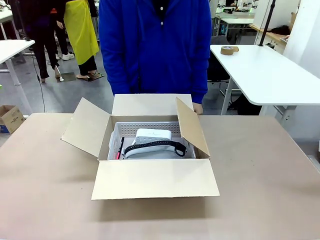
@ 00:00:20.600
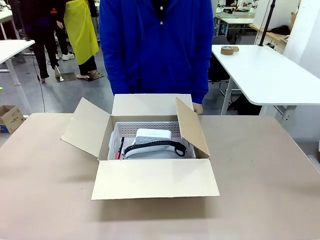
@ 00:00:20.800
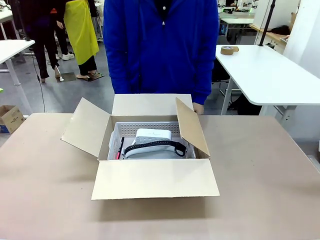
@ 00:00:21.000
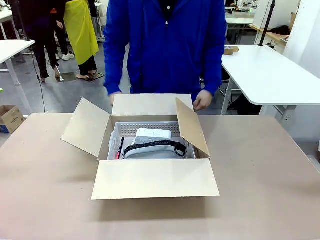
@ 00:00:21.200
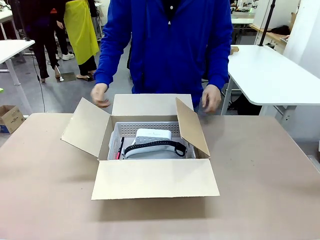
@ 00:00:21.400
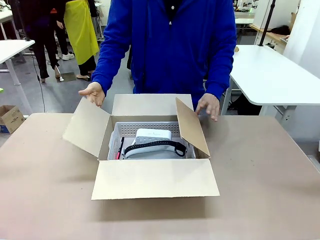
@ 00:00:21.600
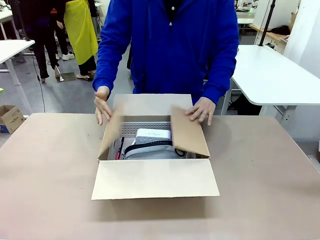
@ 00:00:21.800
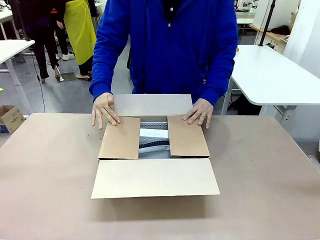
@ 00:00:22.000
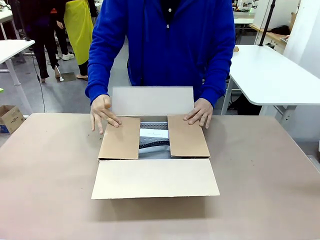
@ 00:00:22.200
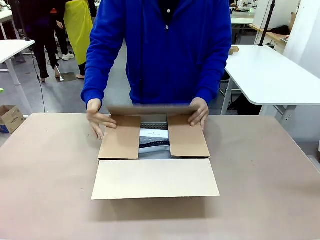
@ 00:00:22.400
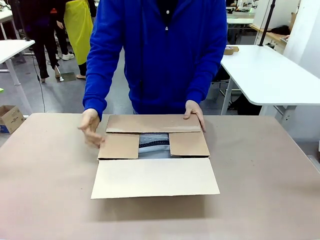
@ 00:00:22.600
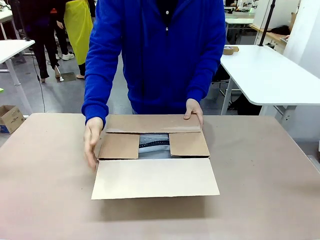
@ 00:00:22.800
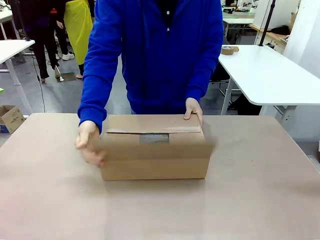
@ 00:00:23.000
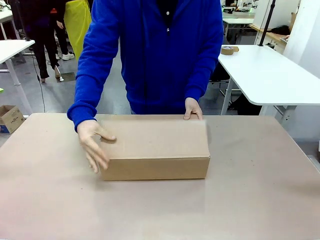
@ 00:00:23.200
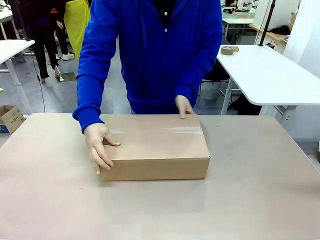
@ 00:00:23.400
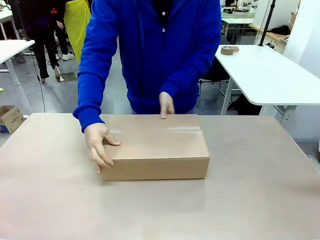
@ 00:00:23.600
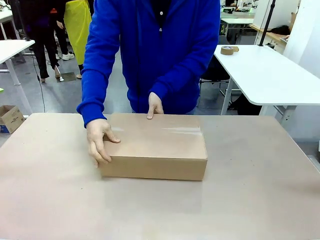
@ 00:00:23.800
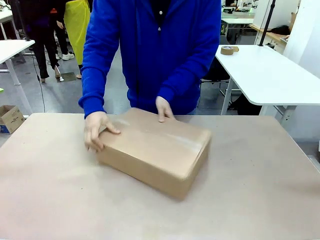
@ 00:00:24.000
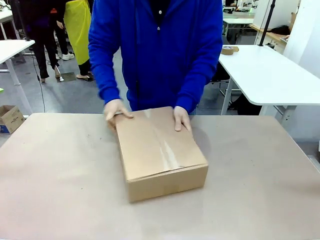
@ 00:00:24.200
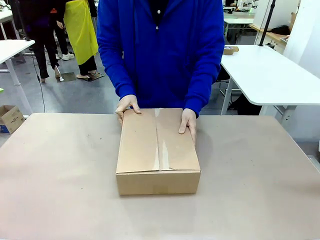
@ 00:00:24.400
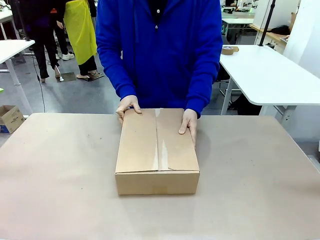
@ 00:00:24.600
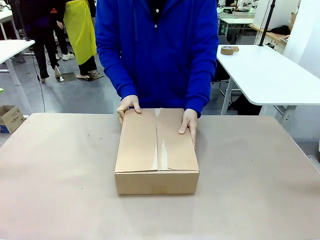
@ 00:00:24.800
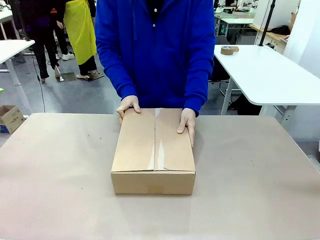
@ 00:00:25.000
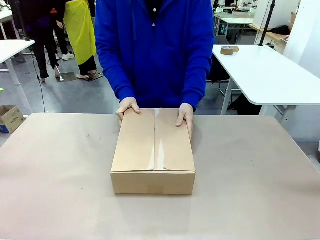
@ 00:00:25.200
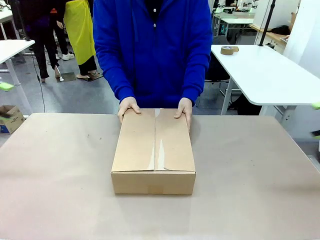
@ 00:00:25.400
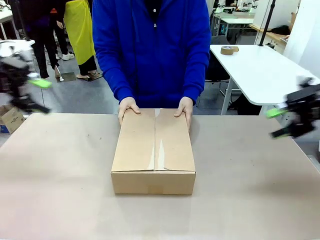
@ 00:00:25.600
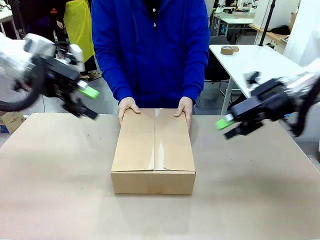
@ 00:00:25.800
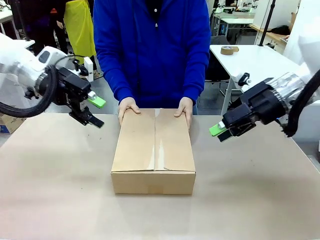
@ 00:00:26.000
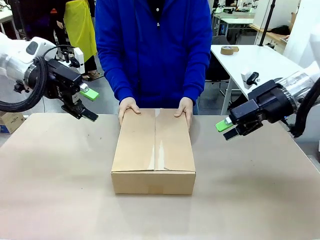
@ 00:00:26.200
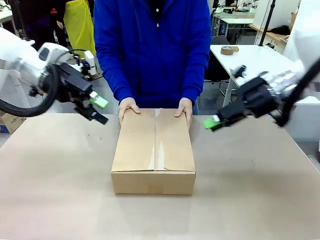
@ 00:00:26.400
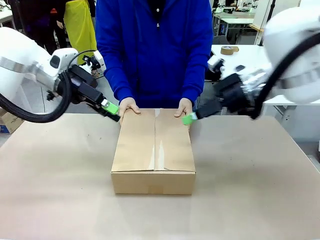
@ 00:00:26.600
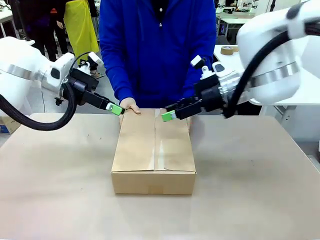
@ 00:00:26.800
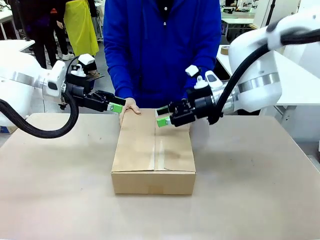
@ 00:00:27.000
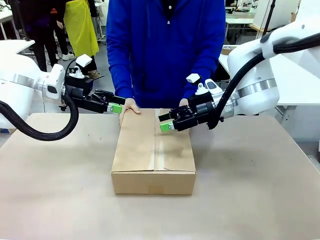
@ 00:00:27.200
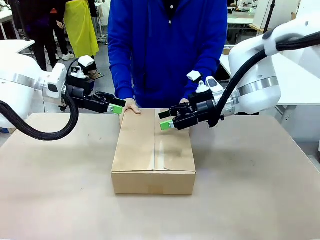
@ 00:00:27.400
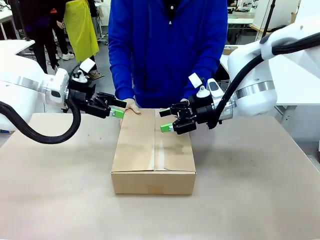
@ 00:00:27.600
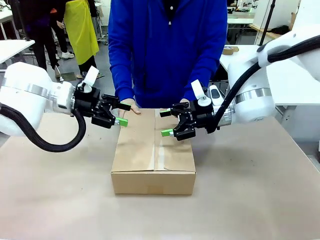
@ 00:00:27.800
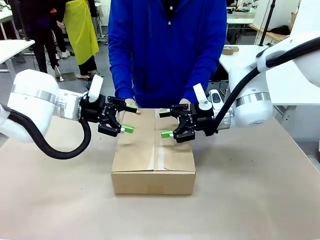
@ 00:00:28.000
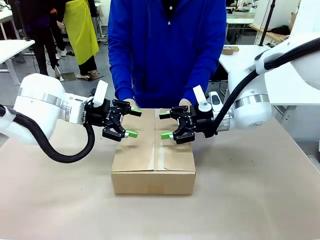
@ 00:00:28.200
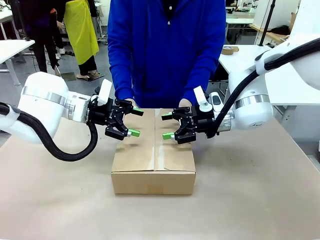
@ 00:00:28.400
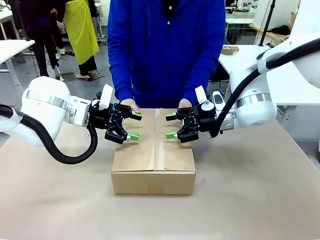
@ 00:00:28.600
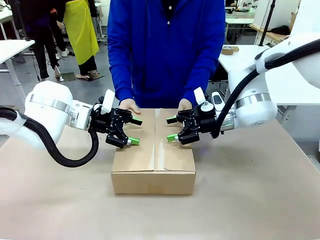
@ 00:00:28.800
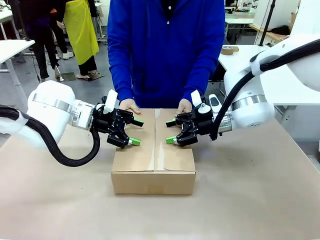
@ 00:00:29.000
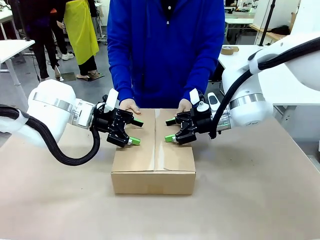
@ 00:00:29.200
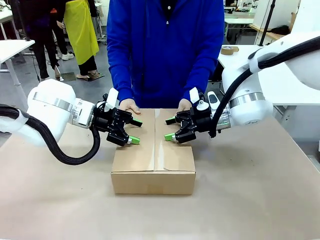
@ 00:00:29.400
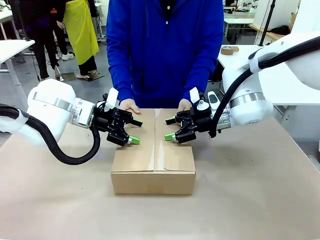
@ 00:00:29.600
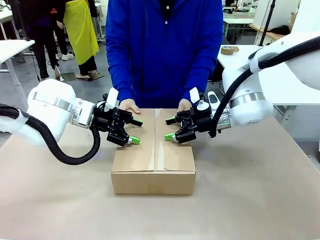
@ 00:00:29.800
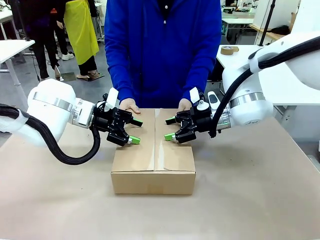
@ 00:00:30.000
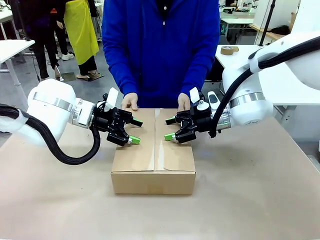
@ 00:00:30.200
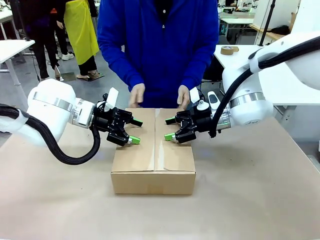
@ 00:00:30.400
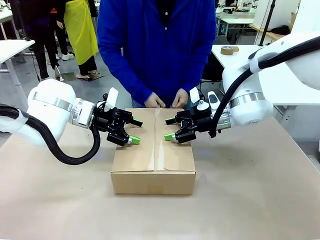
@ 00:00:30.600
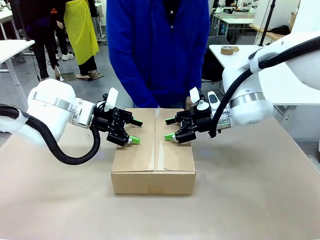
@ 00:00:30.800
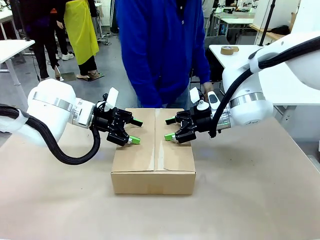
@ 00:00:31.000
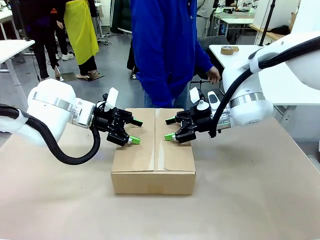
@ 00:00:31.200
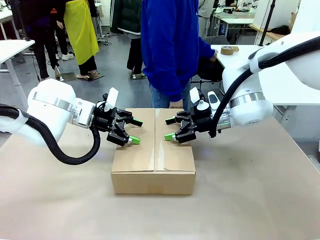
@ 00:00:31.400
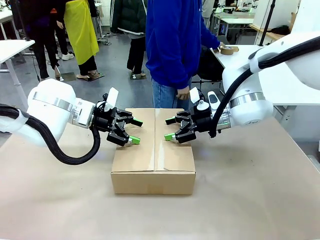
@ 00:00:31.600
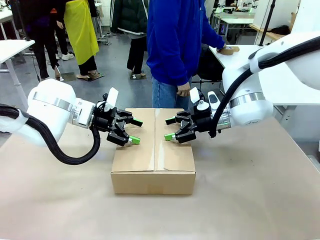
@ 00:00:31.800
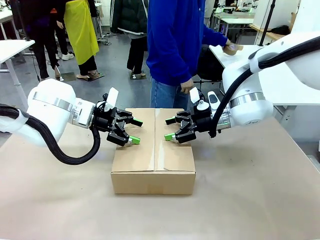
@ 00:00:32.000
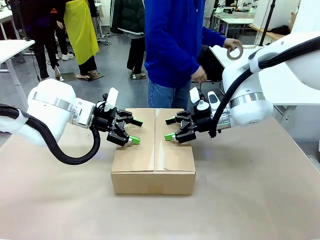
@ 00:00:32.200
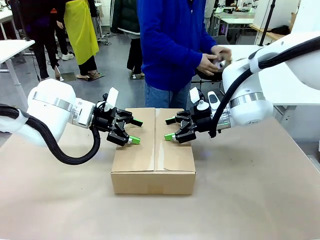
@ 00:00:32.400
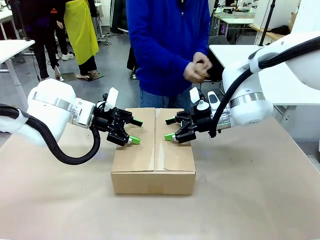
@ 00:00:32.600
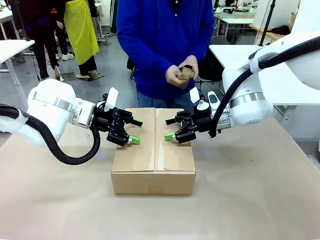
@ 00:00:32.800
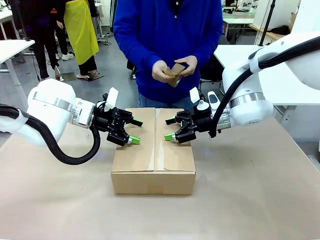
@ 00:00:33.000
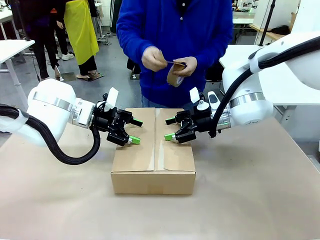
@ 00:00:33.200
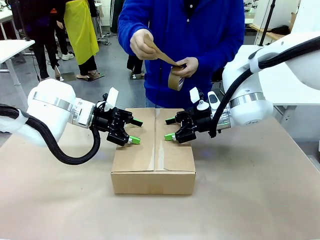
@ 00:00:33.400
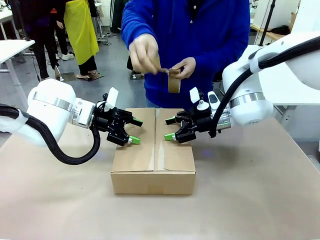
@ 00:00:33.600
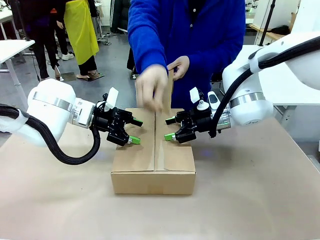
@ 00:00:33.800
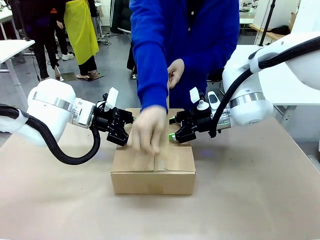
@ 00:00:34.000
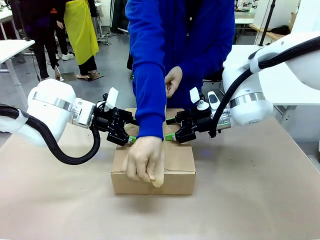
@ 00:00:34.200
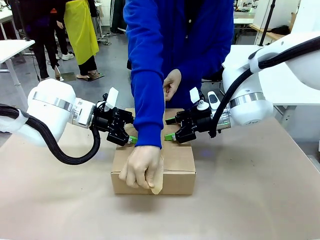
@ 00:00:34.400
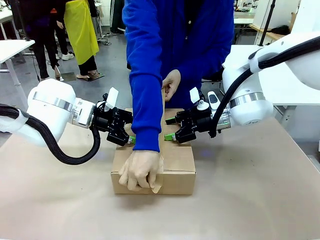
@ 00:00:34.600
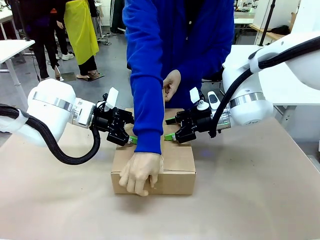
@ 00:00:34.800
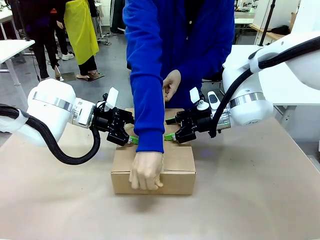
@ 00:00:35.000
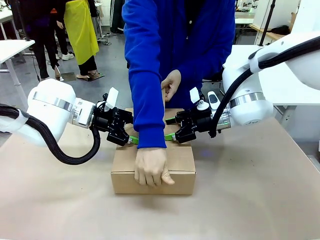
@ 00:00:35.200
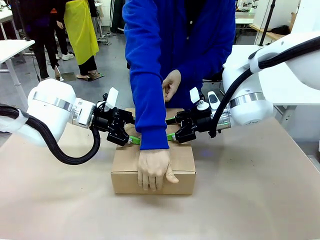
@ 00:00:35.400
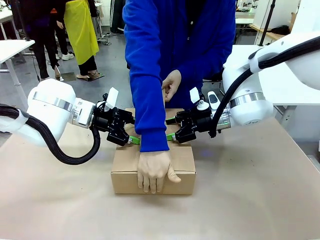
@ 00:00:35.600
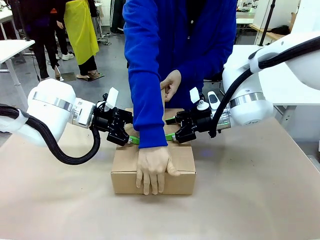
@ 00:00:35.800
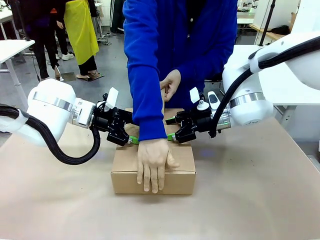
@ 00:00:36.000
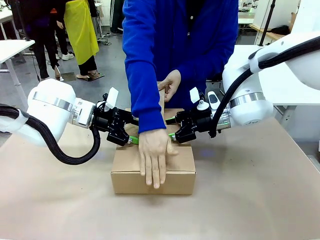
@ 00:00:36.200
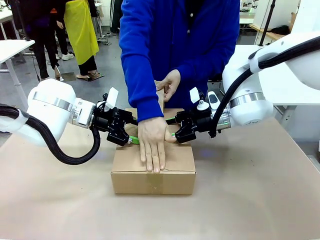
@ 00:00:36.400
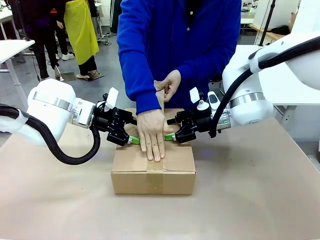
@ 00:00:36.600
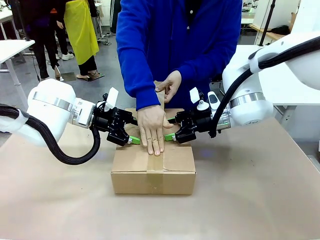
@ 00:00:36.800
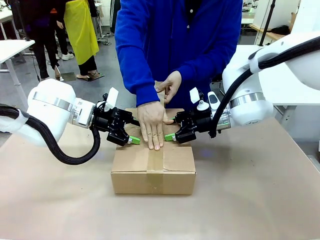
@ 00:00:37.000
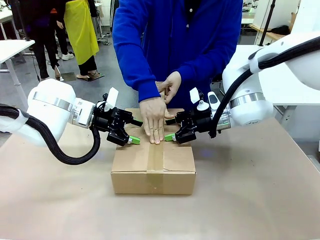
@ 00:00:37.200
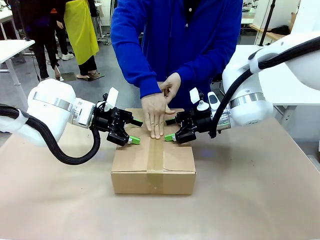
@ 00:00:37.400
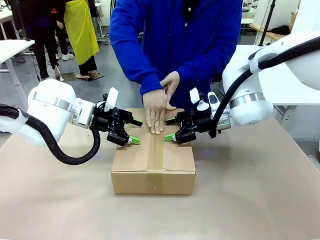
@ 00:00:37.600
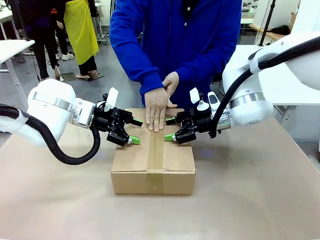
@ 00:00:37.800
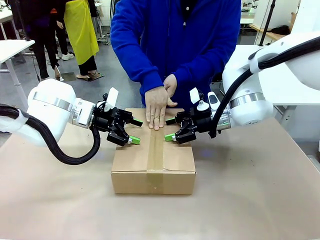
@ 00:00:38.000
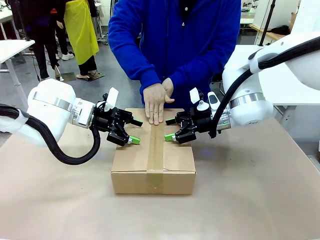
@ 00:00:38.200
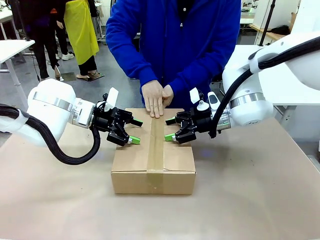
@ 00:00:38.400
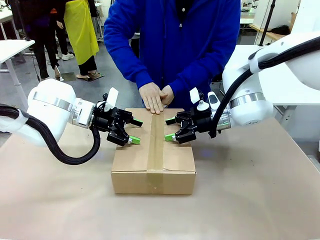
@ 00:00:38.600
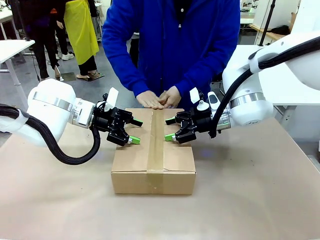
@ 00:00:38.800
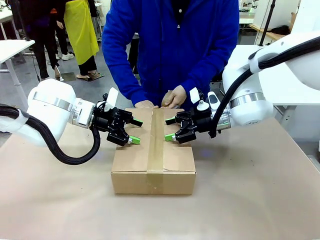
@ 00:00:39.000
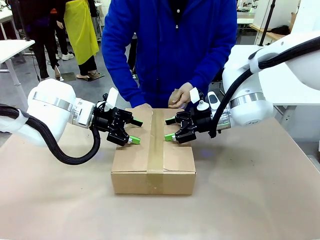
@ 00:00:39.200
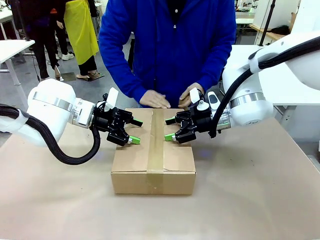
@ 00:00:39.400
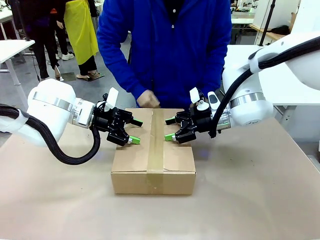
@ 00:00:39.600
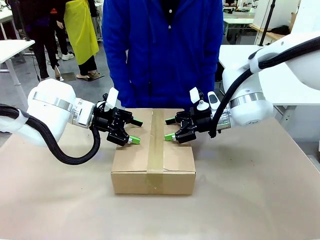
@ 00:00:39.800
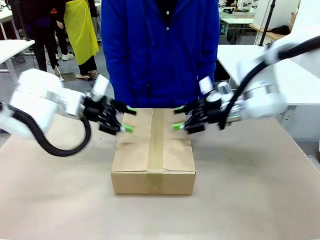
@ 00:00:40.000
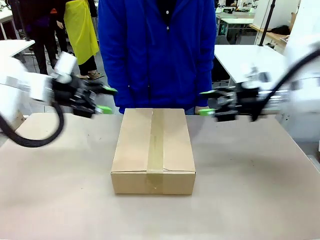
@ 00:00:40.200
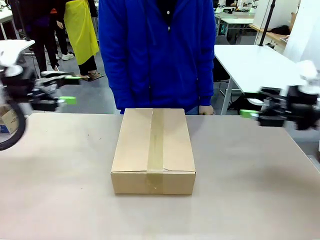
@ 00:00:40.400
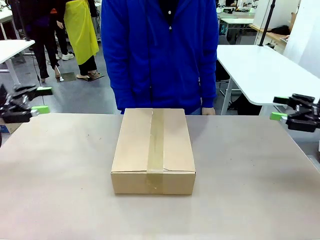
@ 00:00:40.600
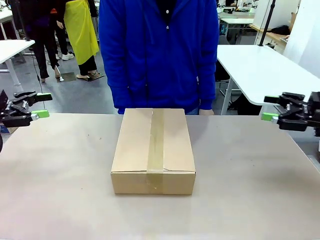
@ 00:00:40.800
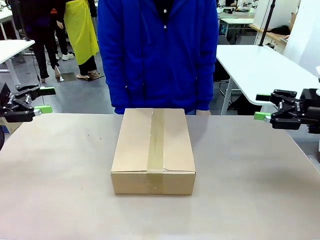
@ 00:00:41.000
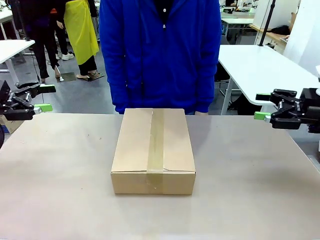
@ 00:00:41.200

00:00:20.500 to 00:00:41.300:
Task: Pack the gift set into the box.
Robot: Press and hold the closed box until the human finishes sealing it.
Person: The human closes the box and rotates the box by 90 degrees. The human picks up the paper tape from the human table and packs the box.
